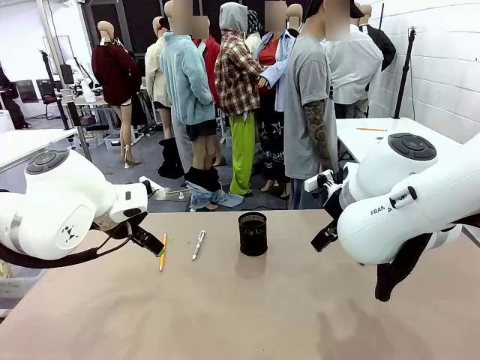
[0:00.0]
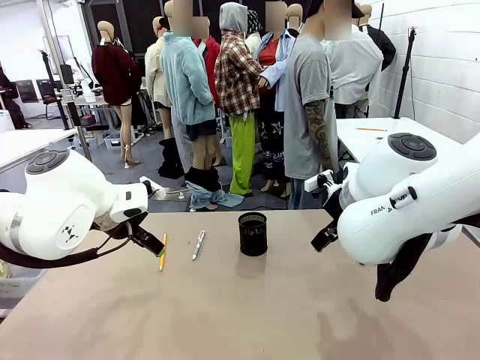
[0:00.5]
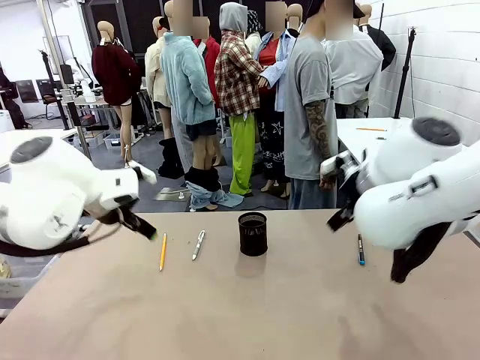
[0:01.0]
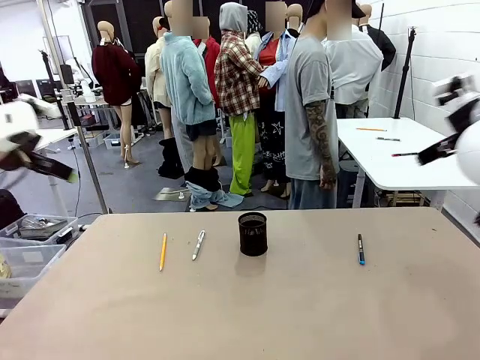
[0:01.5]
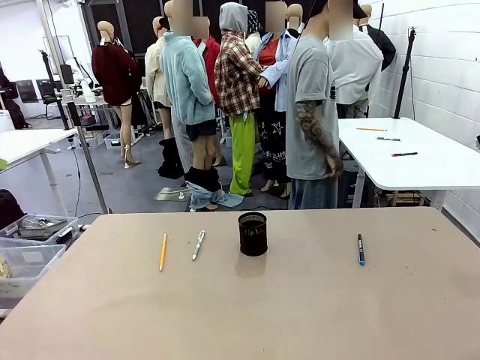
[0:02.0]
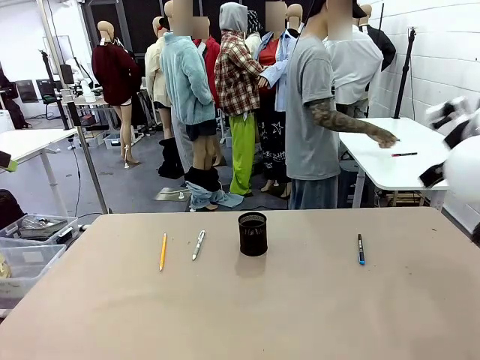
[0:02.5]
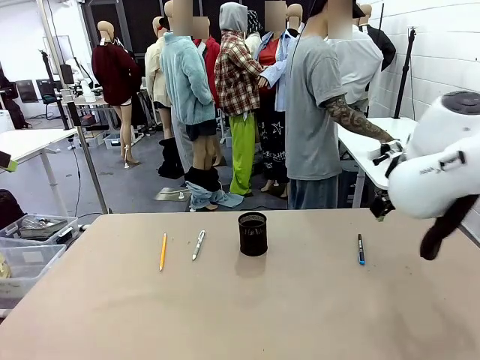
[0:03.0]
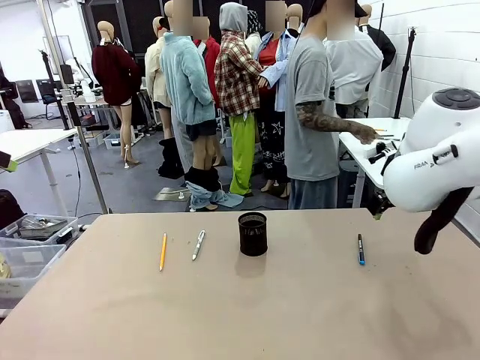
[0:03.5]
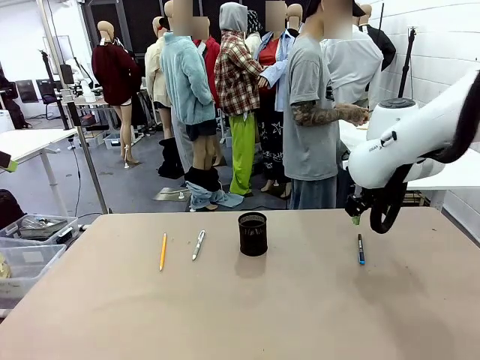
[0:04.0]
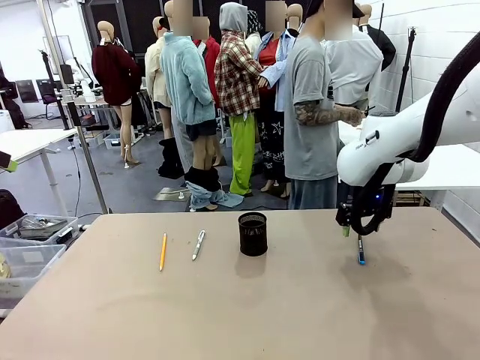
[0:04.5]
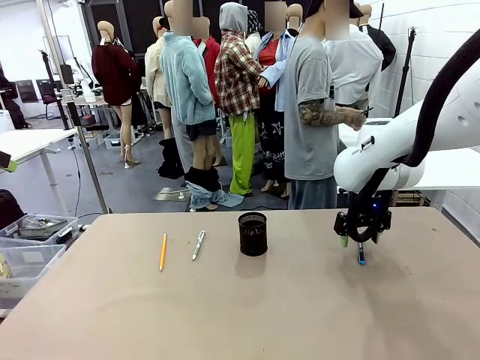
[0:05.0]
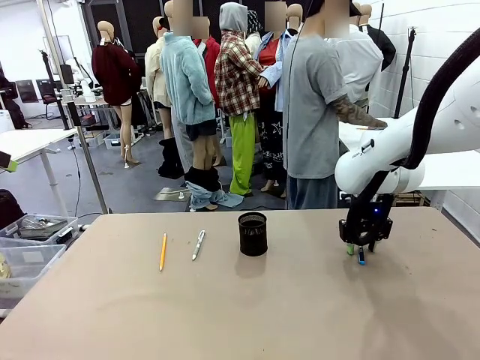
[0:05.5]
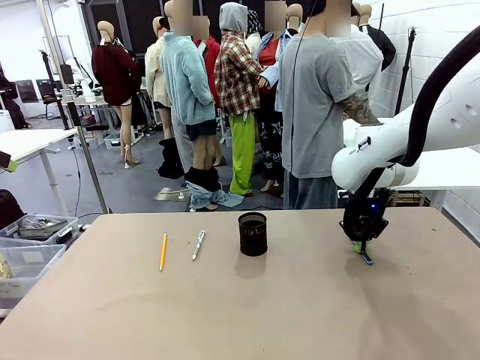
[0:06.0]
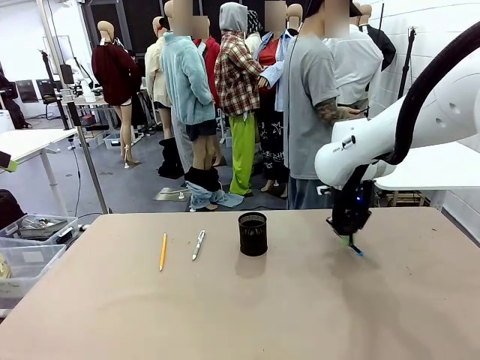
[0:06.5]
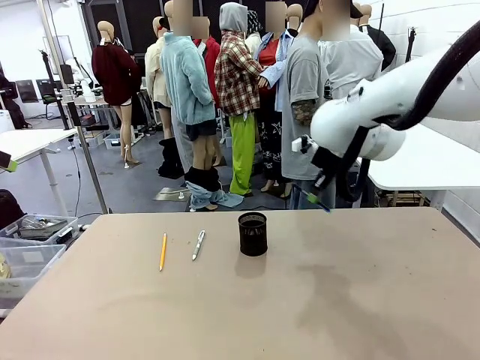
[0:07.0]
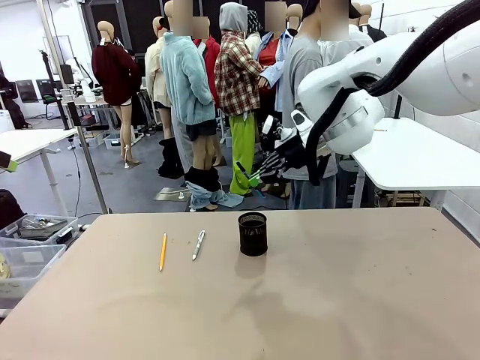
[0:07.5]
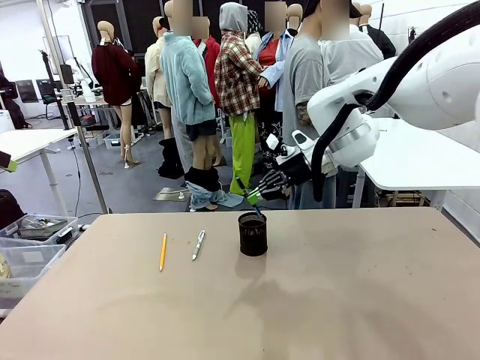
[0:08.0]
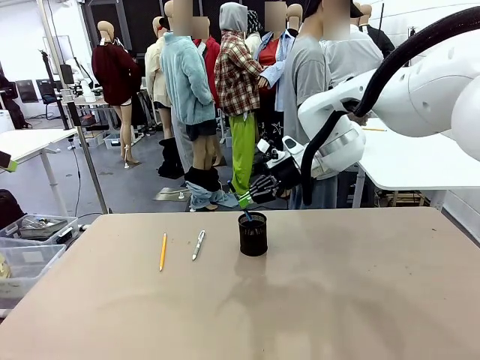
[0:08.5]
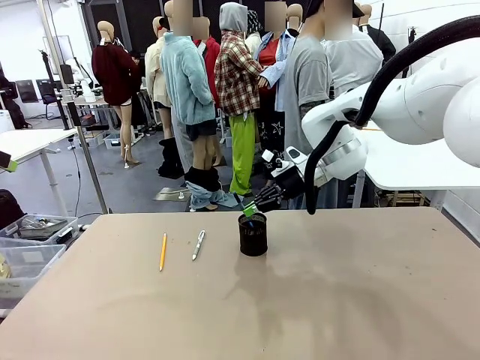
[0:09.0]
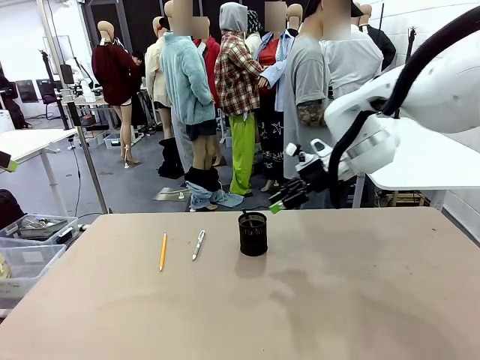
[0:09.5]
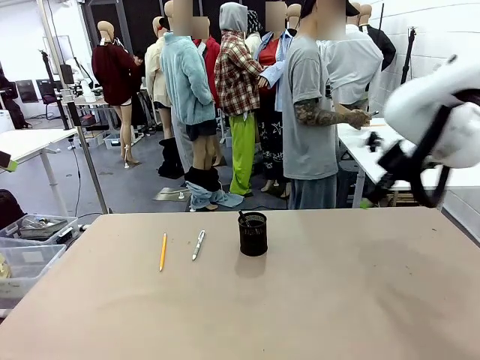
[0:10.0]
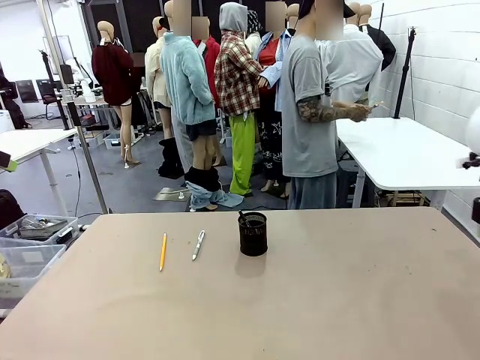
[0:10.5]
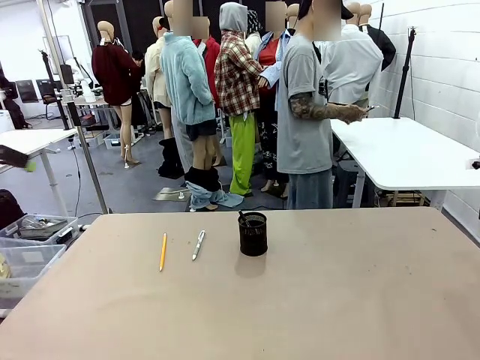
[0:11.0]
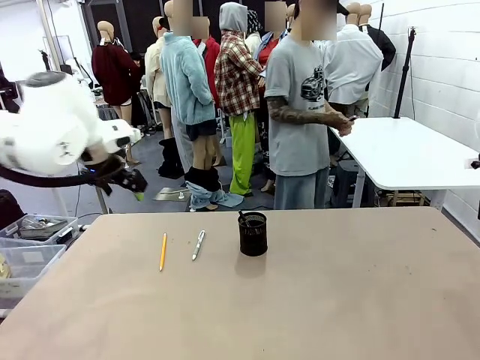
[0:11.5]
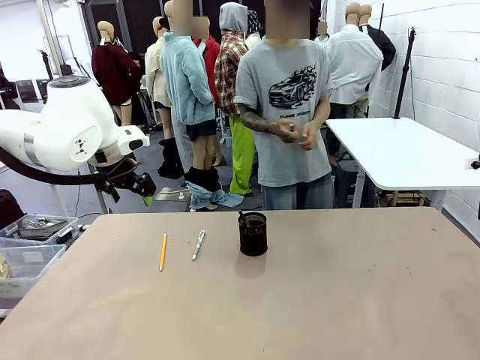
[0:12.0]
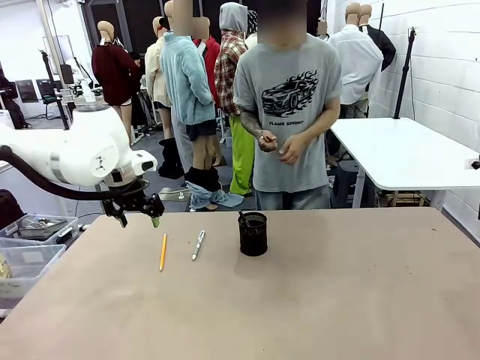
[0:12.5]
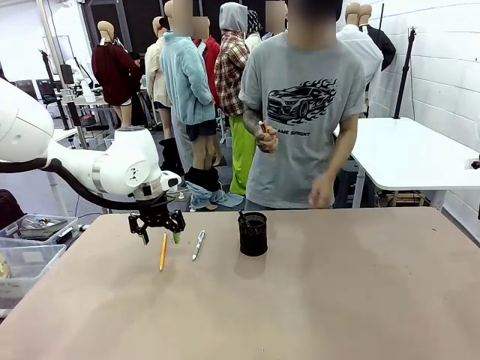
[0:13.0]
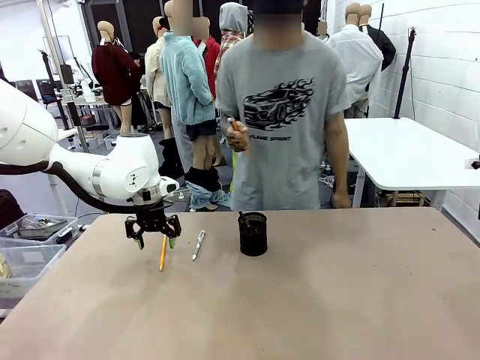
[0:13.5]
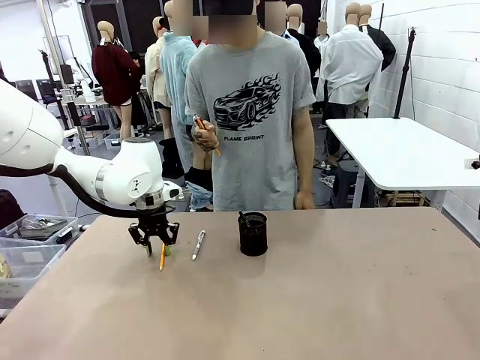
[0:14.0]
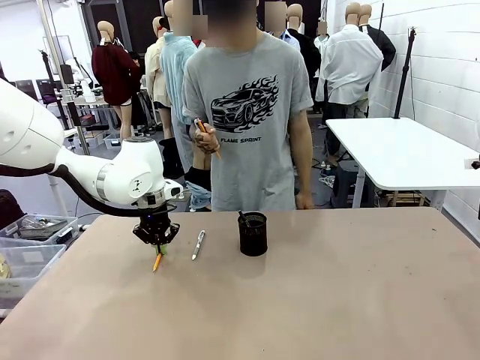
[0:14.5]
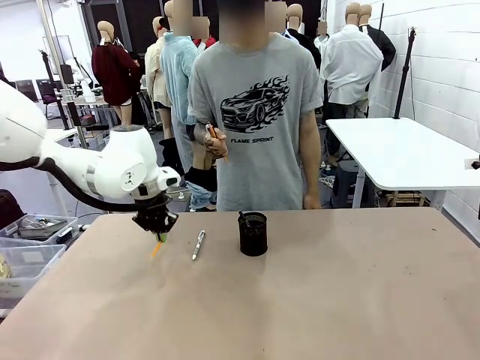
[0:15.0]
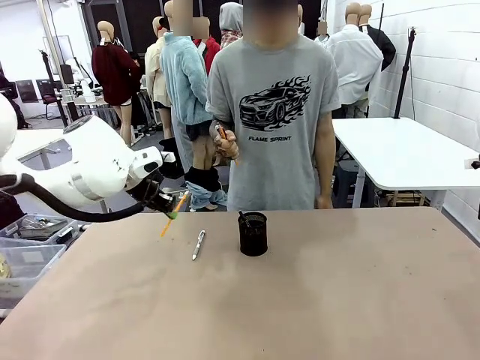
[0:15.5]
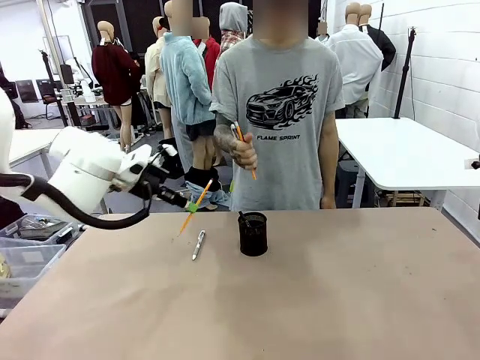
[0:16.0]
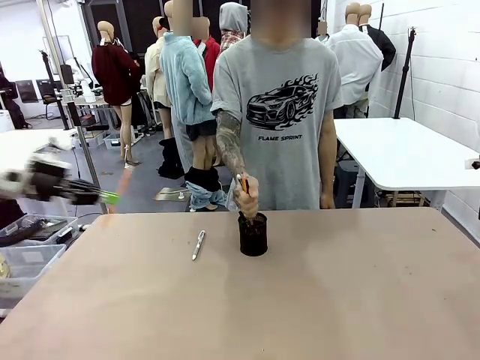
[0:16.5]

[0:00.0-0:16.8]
Task: Place the pens into the pen holder.
Robot: Pick up a writing instrument from the table and place it into the Pen holder.
Person: Pick up all writing instruments from the Human table.
